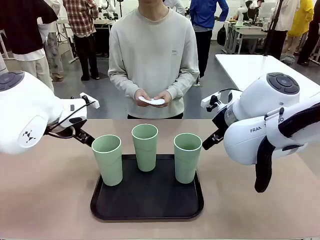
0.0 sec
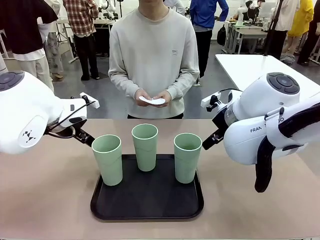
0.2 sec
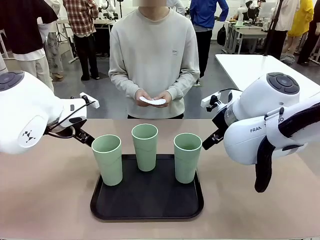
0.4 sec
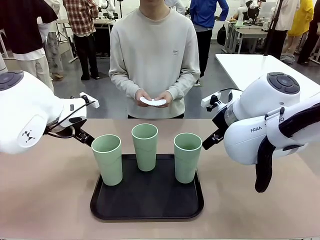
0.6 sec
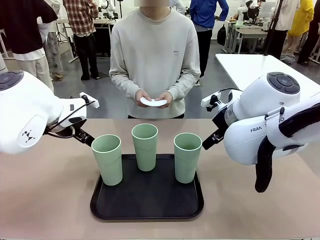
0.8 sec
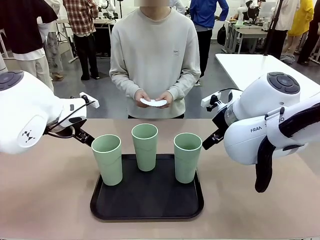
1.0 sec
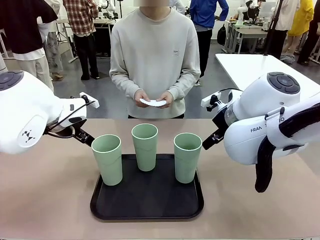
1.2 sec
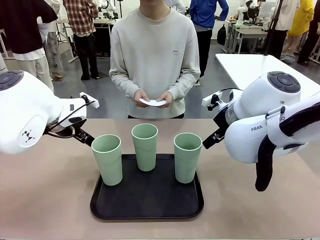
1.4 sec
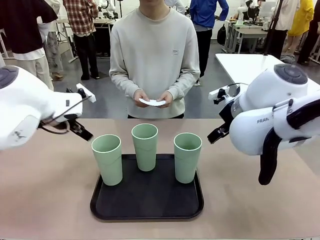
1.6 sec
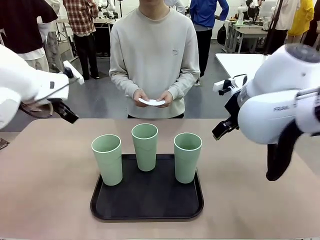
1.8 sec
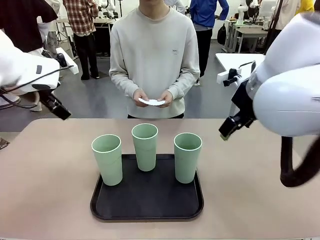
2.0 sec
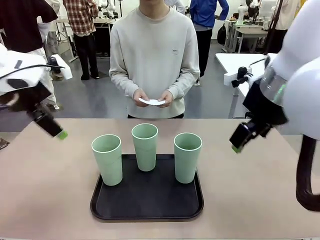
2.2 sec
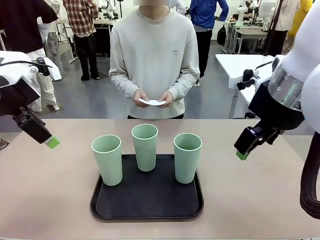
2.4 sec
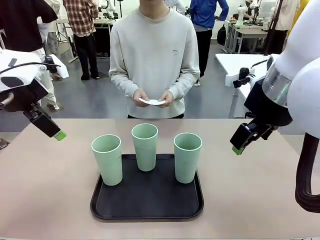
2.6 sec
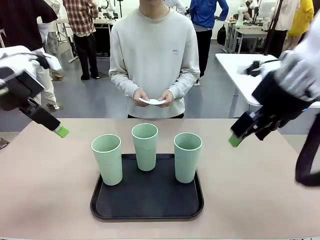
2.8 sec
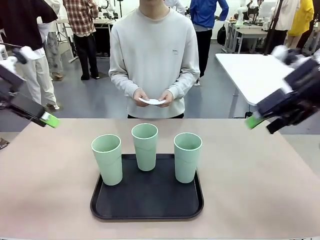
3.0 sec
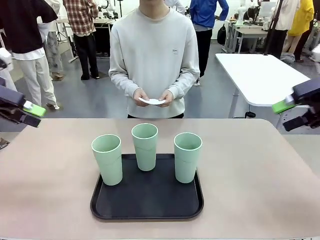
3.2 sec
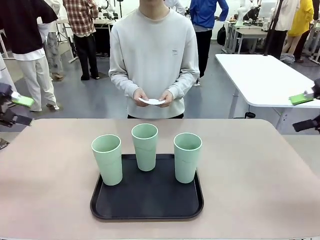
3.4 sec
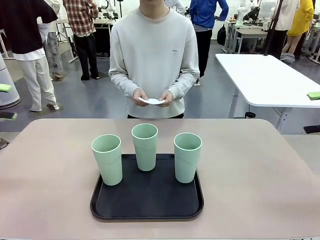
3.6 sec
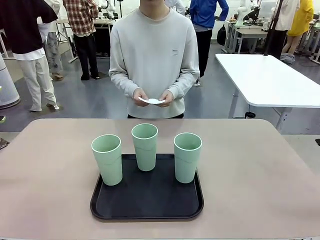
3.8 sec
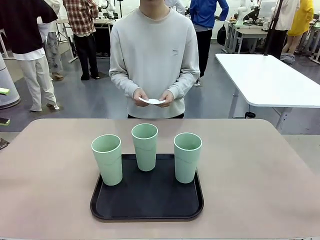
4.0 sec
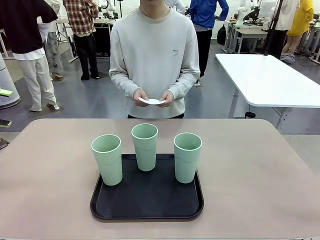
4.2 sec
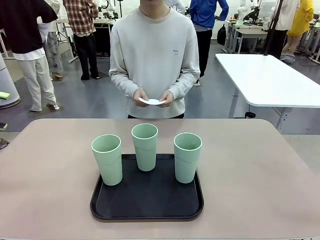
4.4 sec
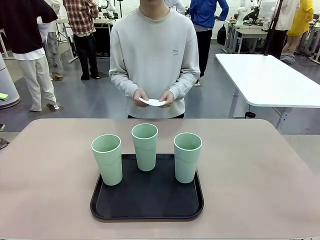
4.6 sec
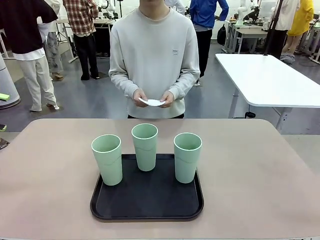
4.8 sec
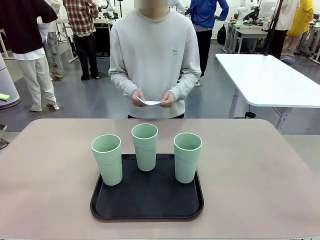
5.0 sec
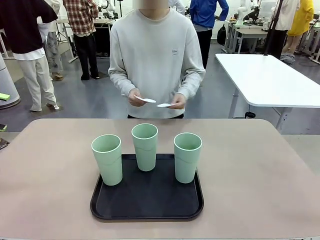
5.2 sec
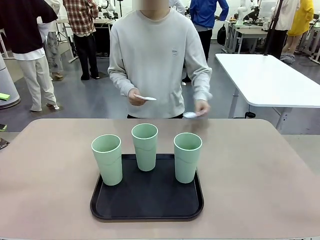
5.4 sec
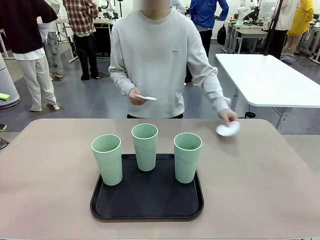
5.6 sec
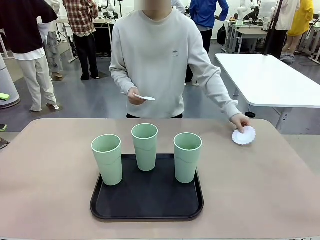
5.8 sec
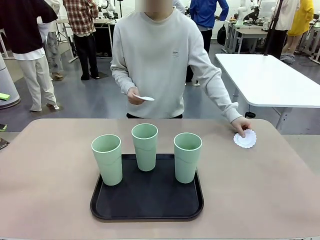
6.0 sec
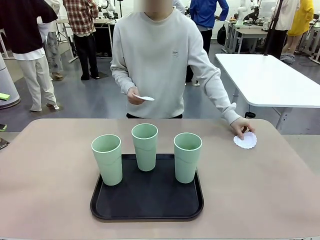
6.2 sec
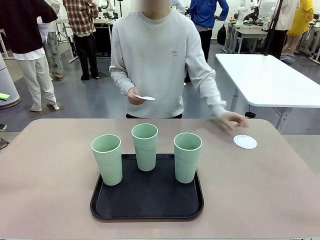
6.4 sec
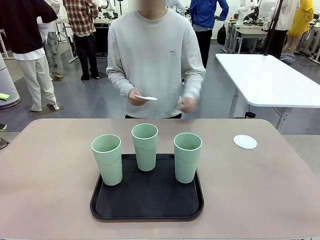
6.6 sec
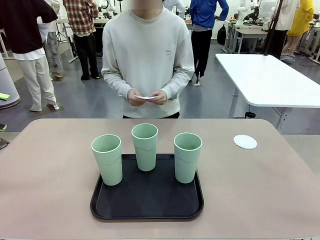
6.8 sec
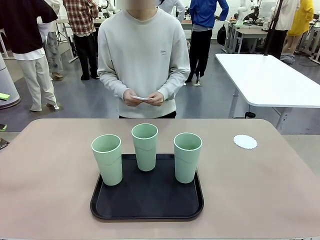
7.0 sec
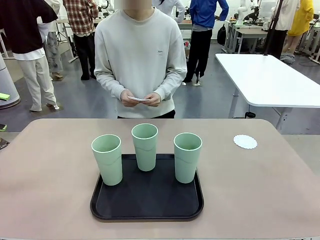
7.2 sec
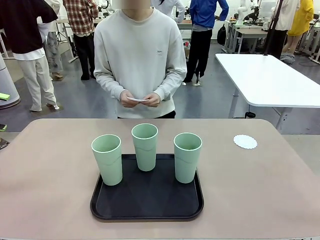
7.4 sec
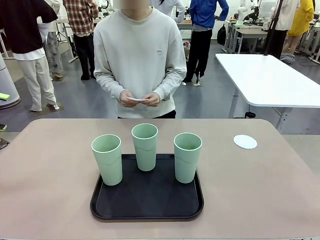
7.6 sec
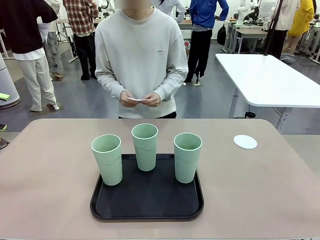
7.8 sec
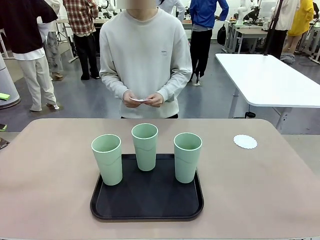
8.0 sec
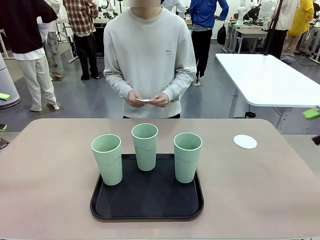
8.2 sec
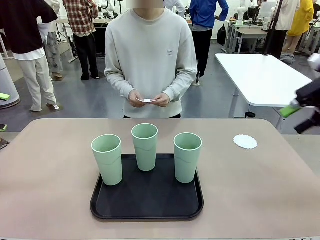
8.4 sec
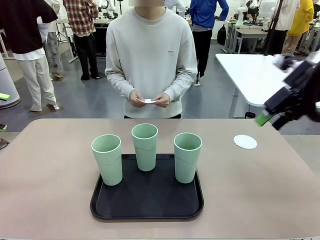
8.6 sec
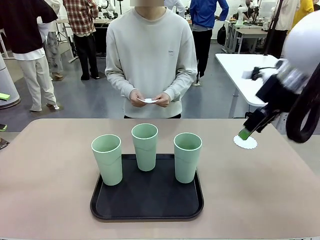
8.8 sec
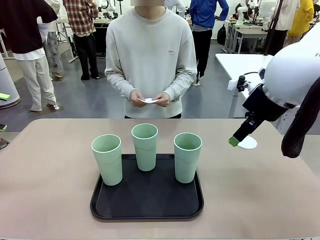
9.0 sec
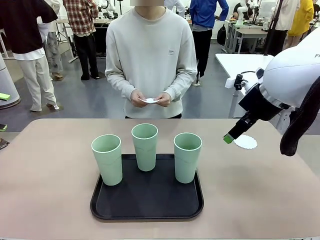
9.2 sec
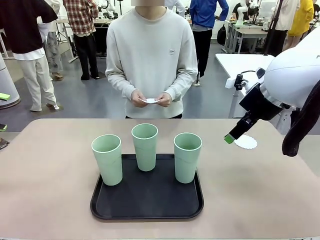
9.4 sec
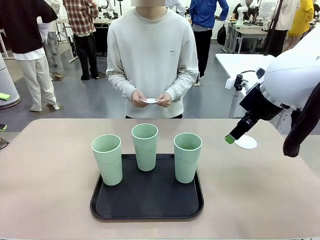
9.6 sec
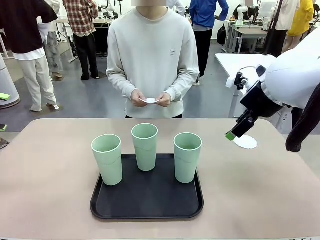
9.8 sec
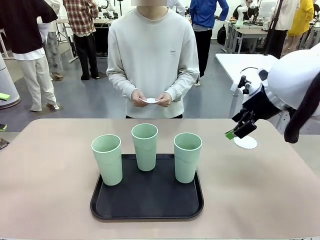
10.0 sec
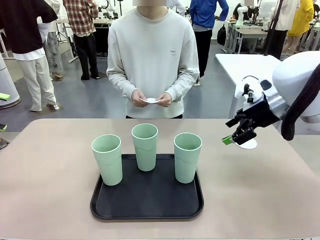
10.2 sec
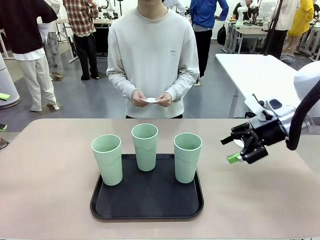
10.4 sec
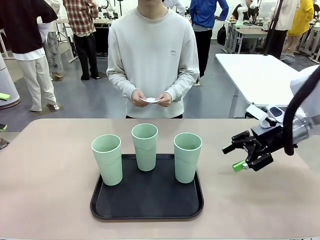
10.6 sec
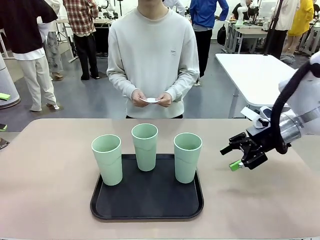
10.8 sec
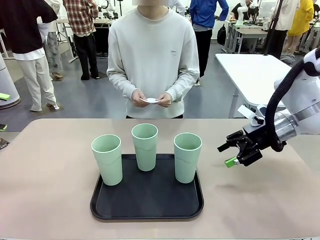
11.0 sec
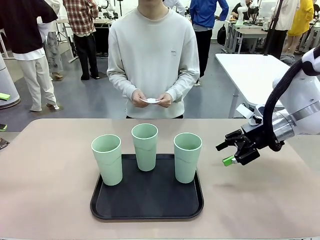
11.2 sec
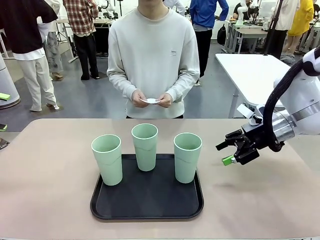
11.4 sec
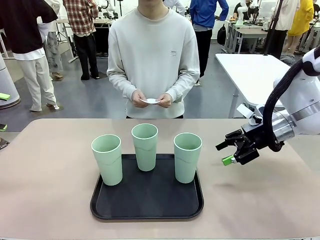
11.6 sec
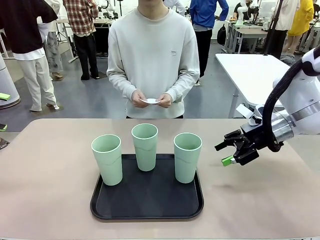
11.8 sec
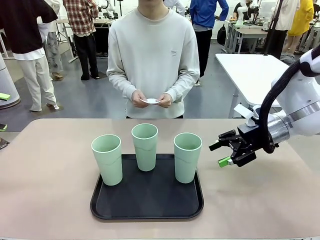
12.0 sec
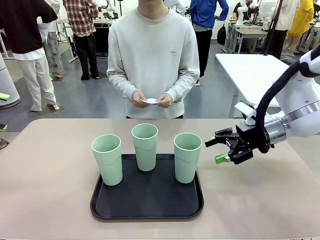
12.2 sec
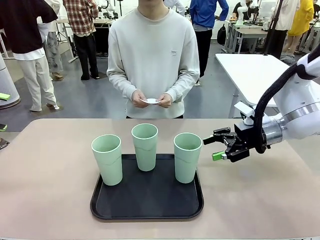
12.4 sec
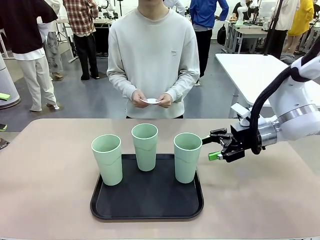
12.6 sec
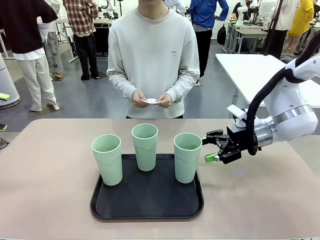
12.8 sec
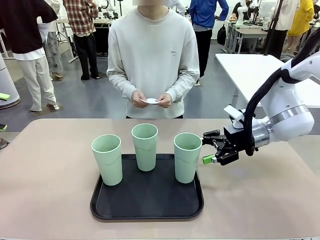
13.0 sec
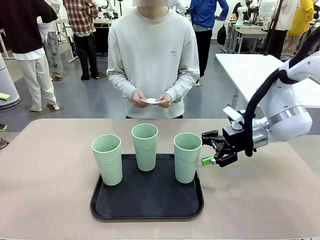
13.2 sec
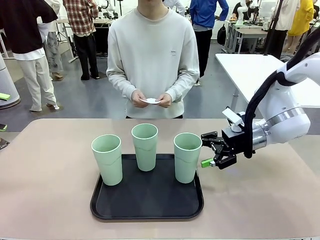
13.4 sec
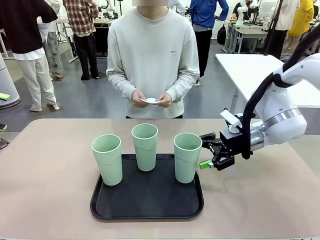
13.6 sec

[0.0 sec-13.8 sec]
Task: Place coasters on the table and set cups on them.
Robot: Pick up one Reusable plastic cup and place it on a coaster set by the human.
Person: Place one coaster in any one of the three lower areas of the robot table (left, center, or right).

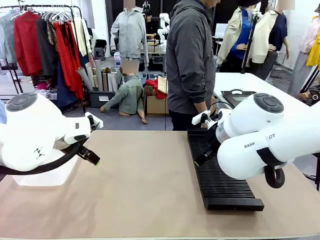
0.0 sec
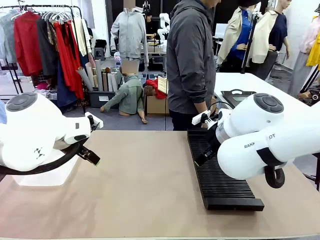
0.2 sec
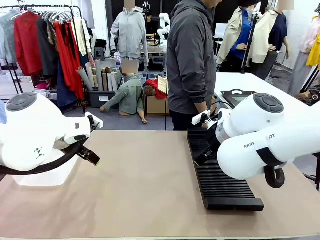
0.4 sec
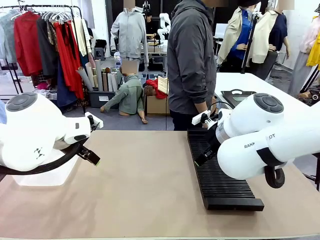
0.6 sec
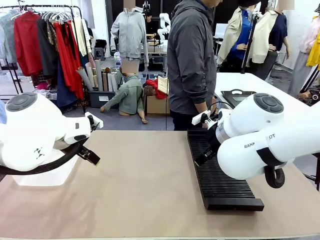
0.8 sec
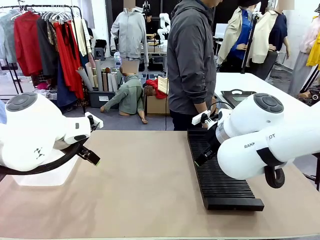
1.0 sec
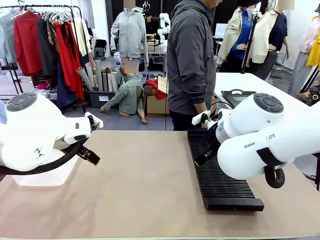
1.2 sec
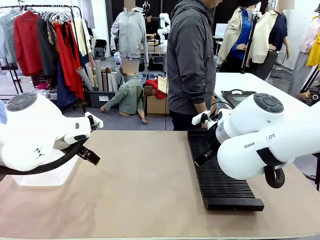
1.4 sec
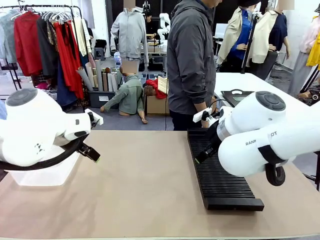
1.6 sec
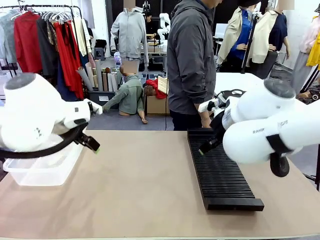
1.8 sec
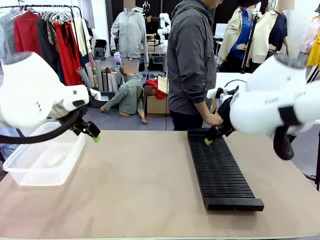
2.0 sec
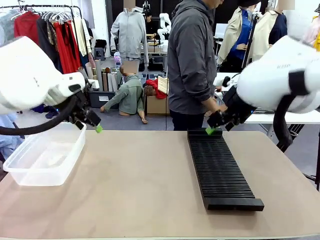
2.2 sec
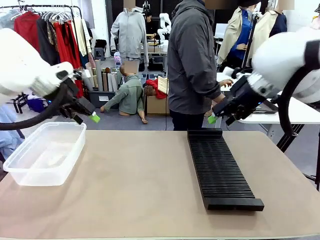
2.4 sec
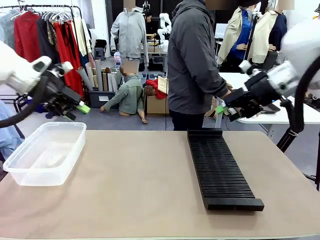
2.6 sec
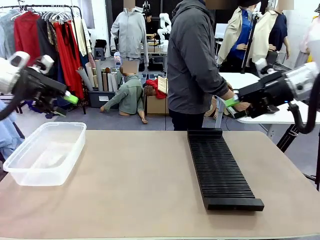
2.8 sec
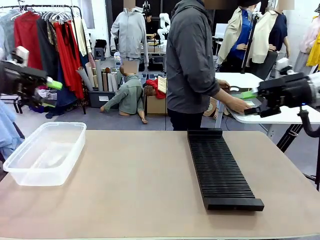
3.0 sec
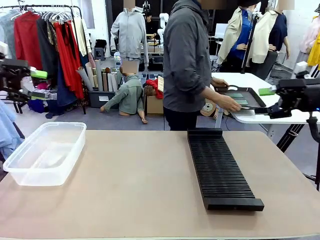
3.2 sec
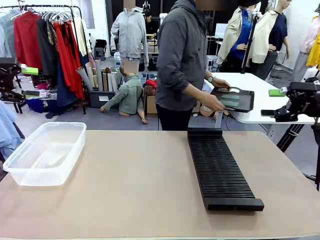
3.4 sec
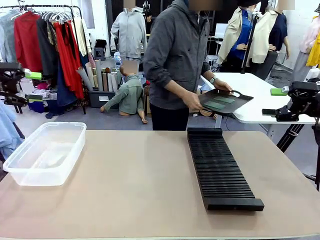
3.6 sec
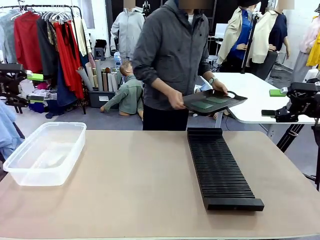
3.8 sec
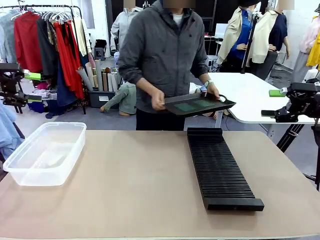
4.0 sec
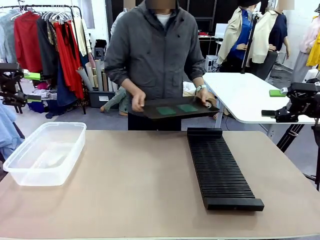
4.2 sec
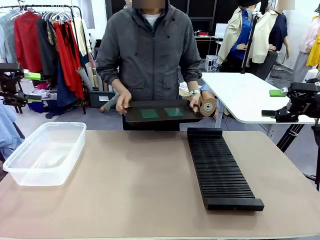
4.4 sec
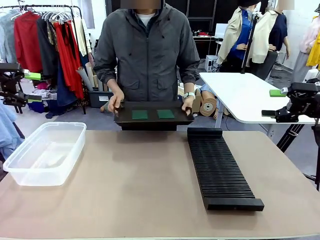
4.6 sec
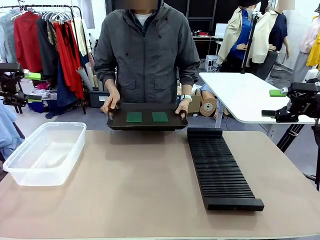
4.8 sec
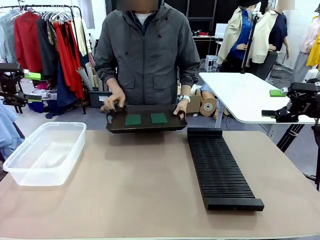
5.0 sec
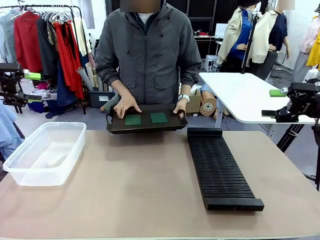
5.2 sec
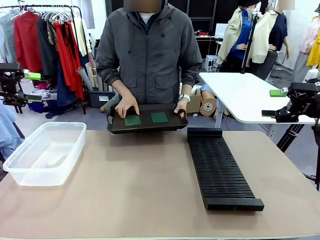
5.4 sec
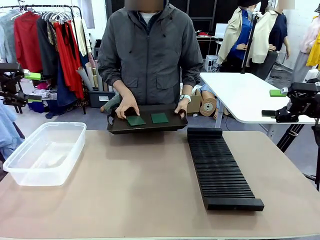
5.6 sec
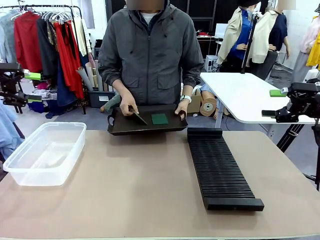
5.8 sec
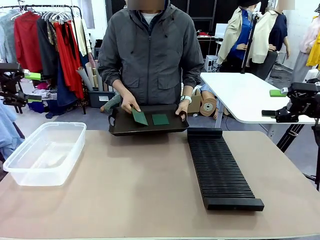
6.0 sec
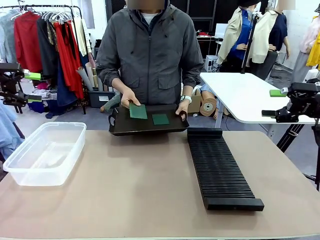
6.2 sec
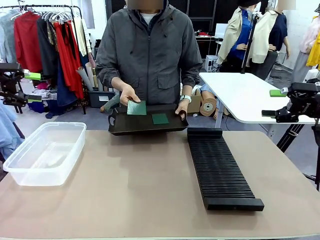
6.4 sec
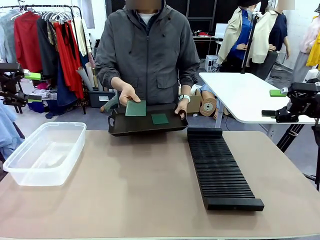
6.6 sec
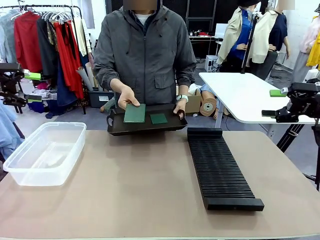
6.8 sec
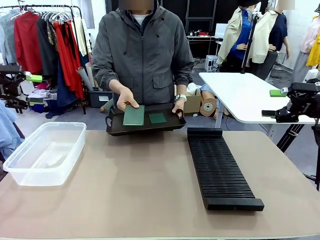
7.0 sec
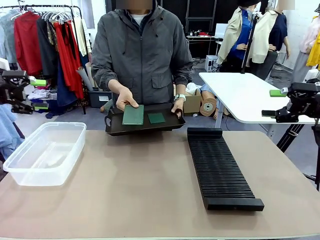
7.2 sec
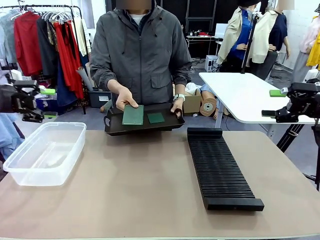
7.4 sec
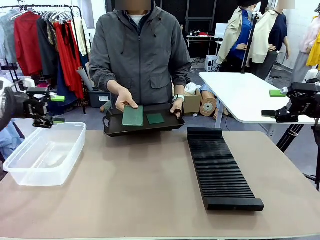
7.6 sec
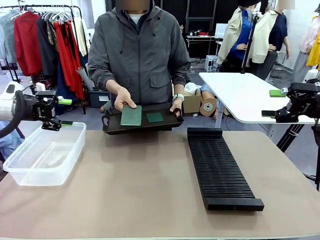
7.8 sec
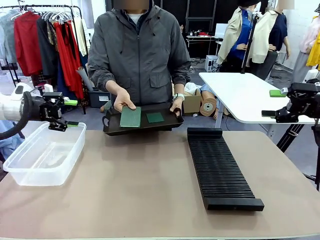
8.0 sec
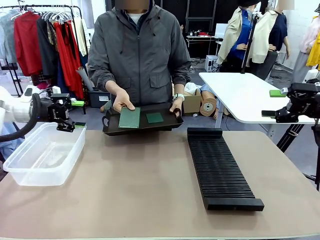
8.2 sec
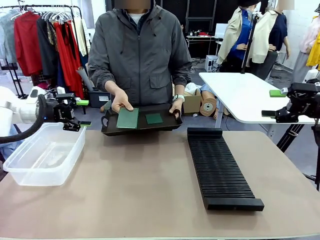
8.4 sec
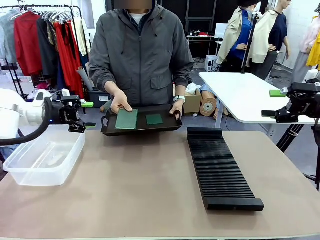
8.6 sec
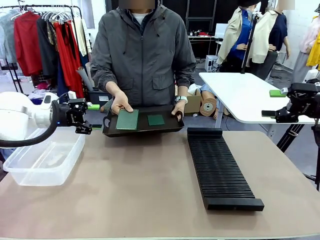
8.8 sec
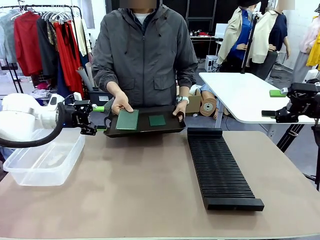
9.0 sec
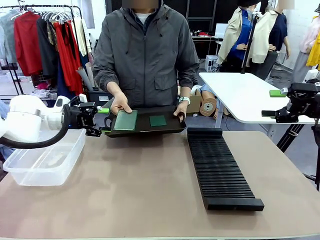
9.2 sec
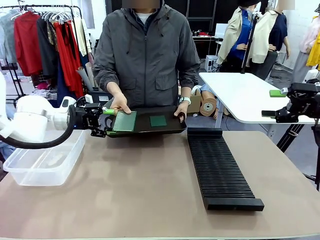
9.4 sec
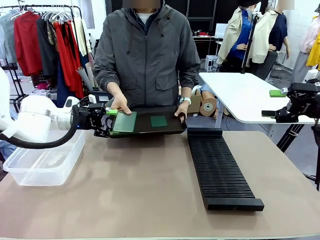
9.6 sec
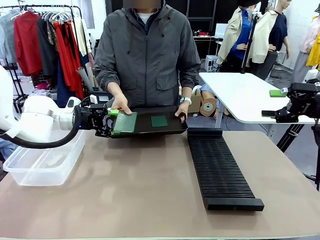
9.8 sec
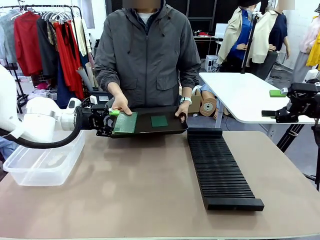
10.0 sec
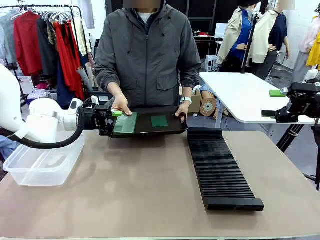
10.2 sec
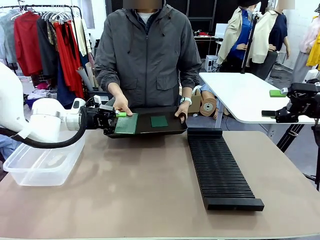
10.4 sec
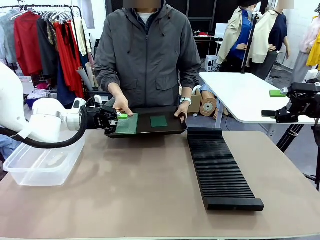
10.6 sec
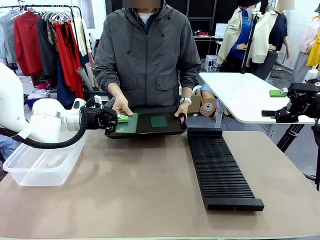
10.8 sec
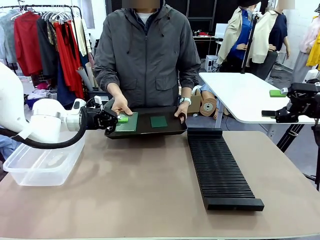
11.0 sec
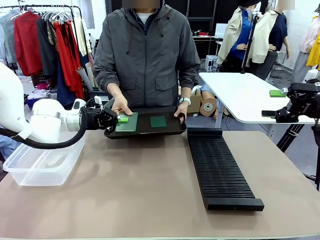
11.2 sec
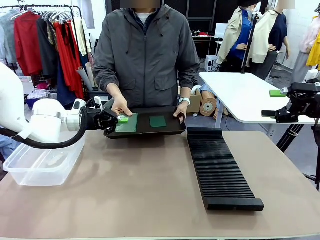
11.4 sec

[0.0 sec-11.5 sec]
Task: Sort PCBs into racks and boxes based on the side picked up.
Robot: Pick up the Blank PCB handed by the Human.
Person: Pick one PCB from the tray and present it to the robot. Release the PCB being held.
